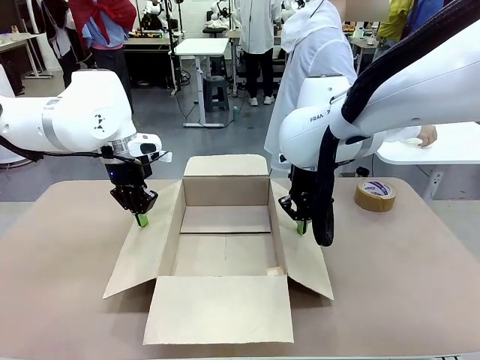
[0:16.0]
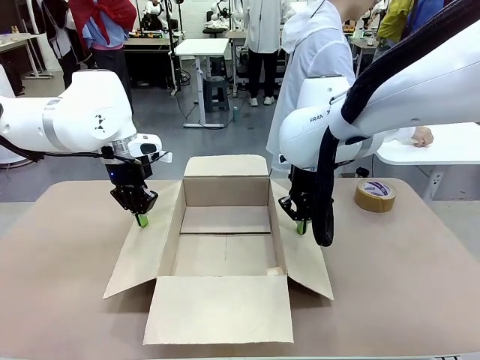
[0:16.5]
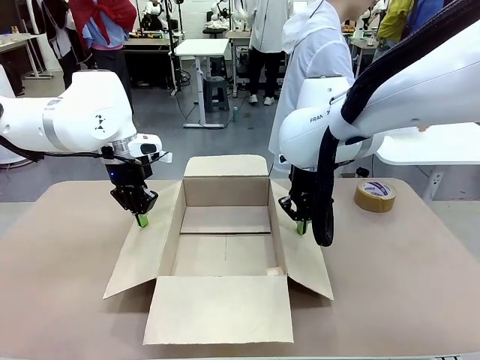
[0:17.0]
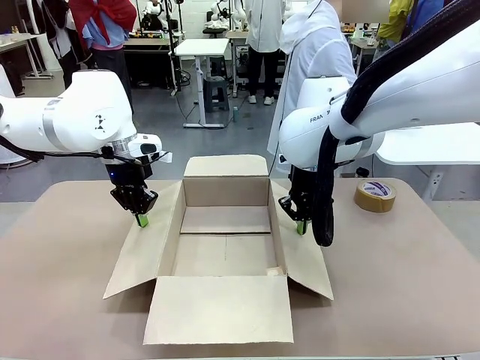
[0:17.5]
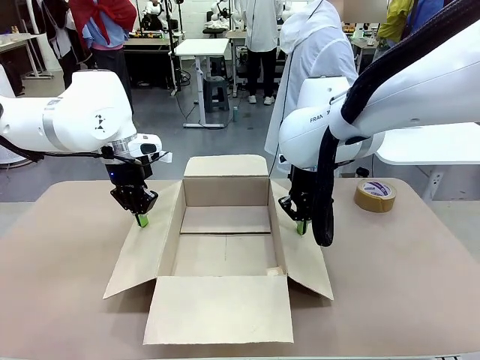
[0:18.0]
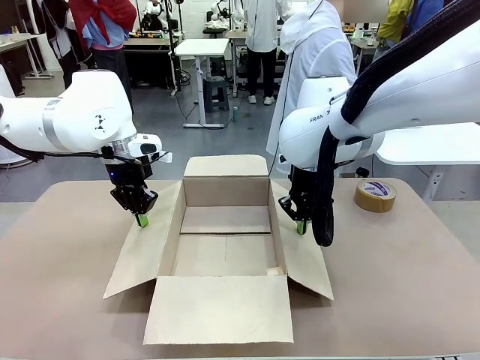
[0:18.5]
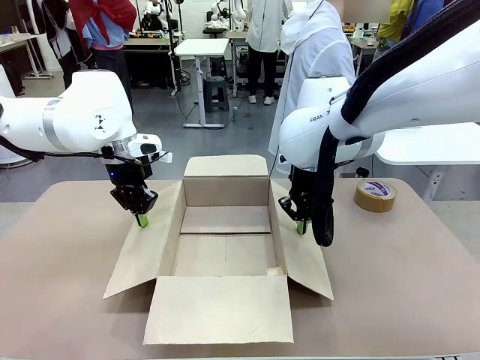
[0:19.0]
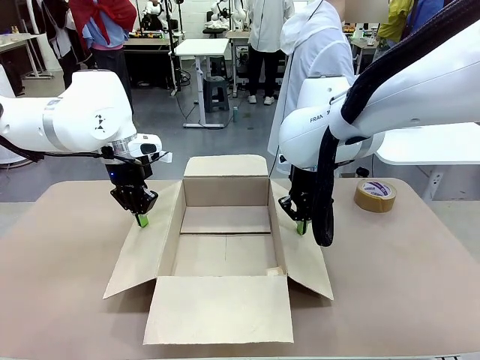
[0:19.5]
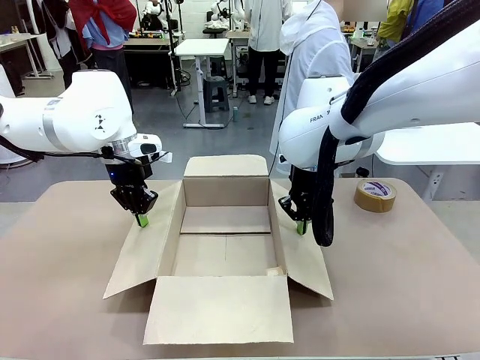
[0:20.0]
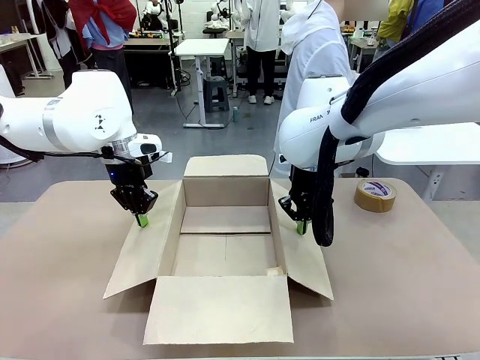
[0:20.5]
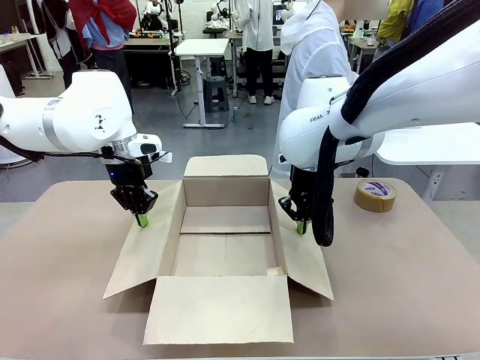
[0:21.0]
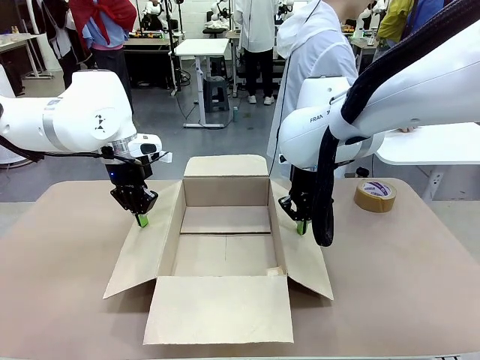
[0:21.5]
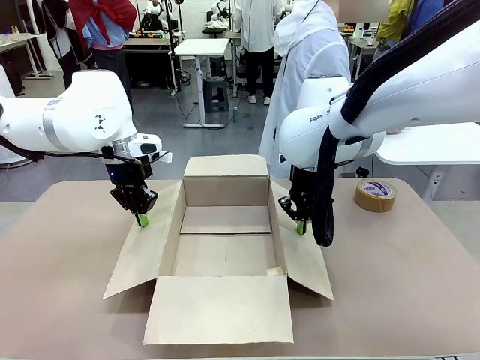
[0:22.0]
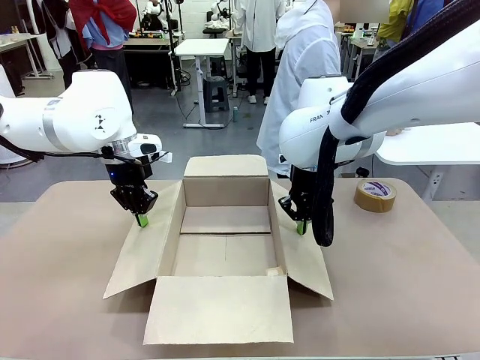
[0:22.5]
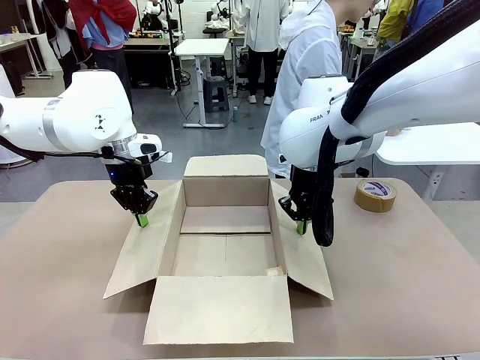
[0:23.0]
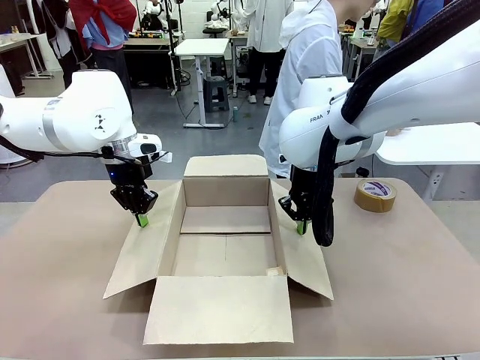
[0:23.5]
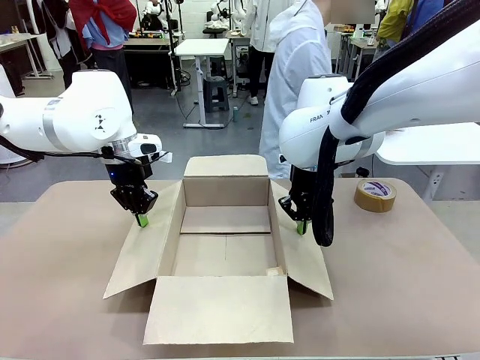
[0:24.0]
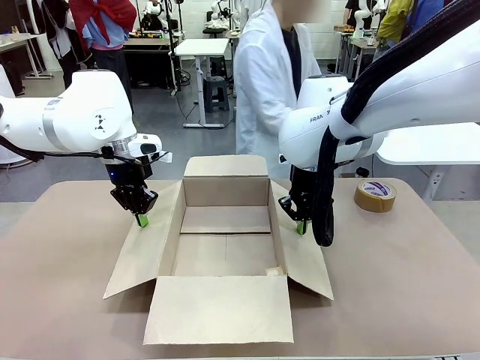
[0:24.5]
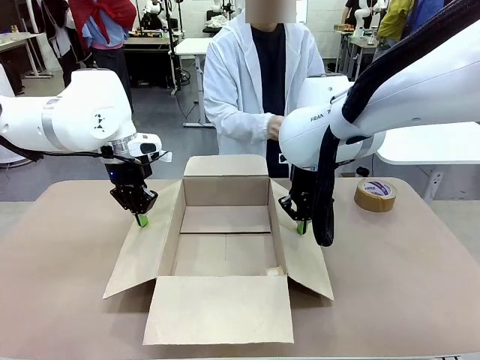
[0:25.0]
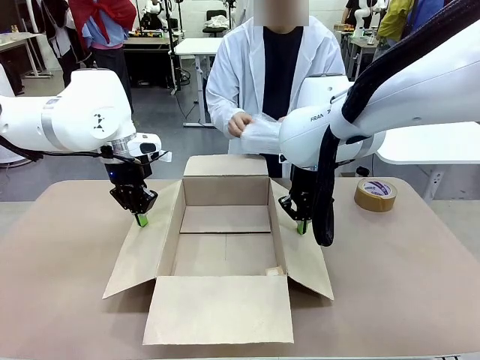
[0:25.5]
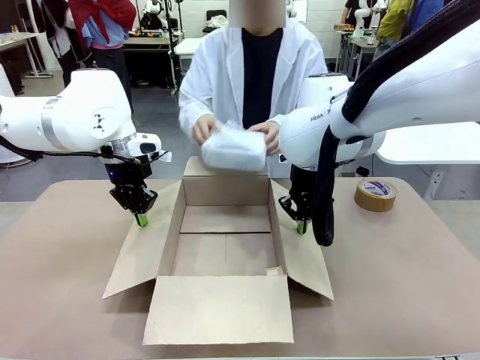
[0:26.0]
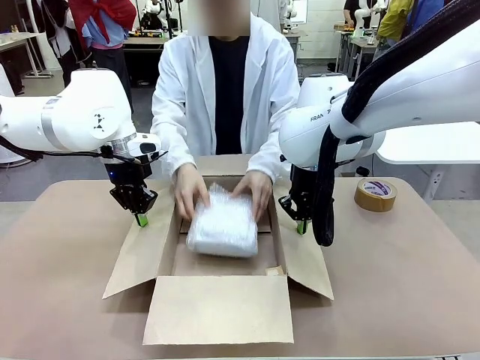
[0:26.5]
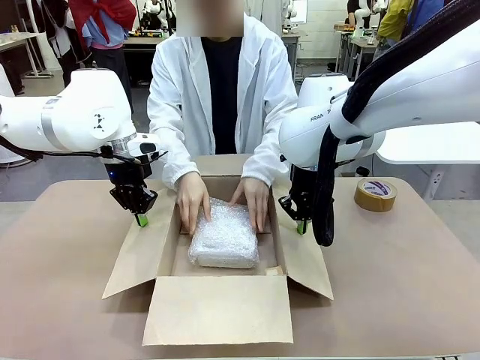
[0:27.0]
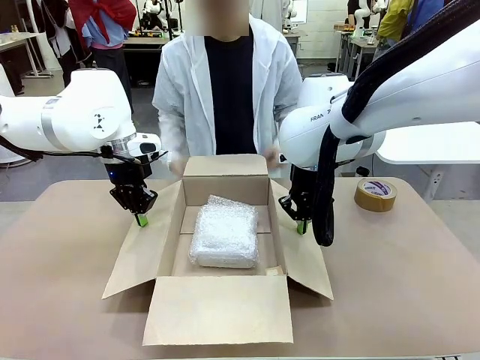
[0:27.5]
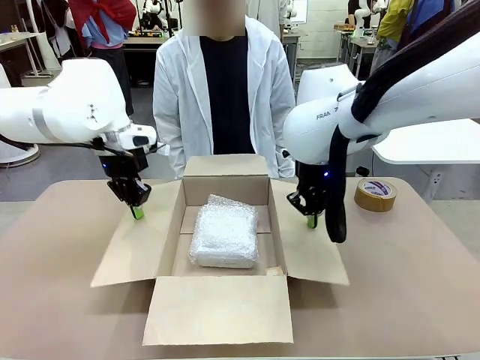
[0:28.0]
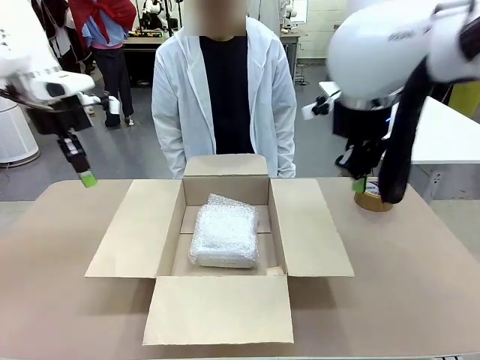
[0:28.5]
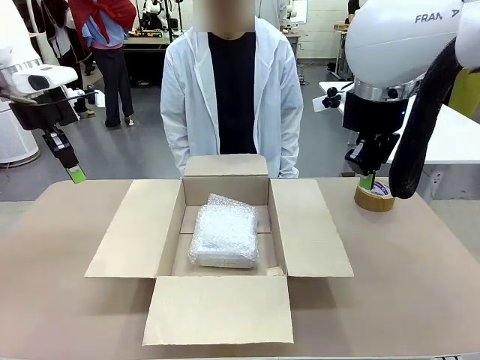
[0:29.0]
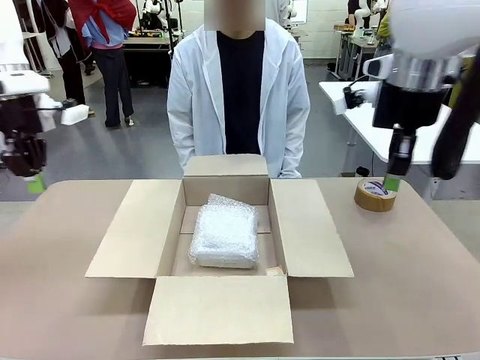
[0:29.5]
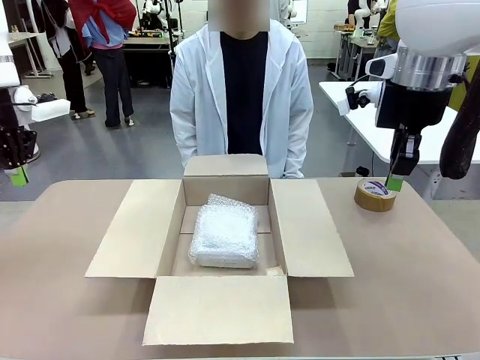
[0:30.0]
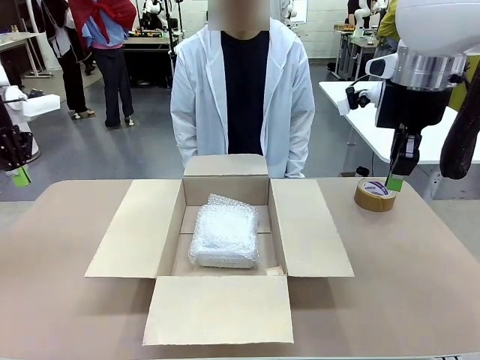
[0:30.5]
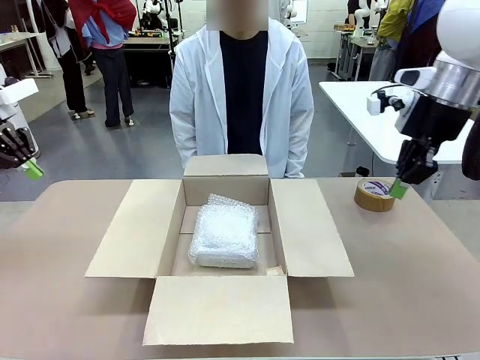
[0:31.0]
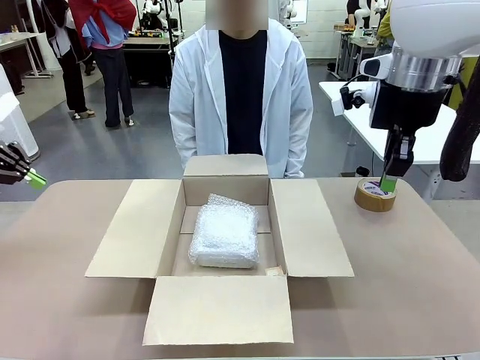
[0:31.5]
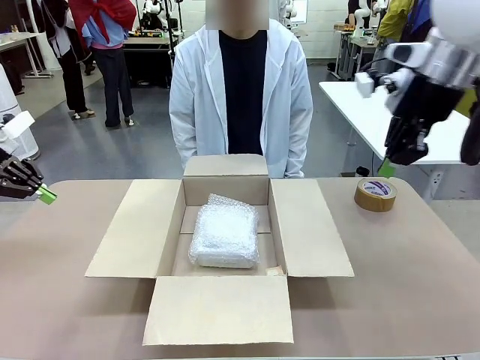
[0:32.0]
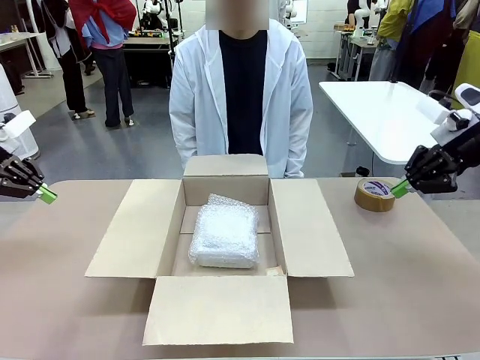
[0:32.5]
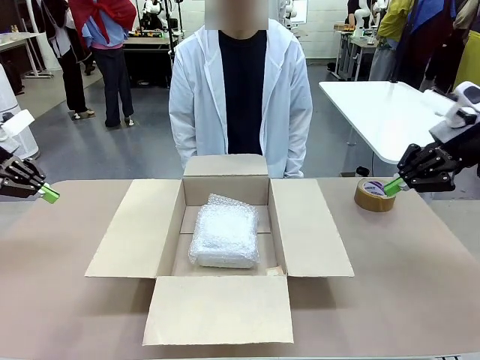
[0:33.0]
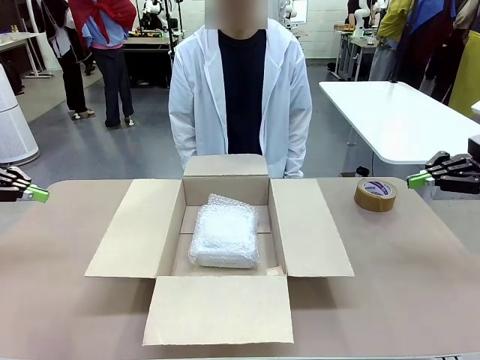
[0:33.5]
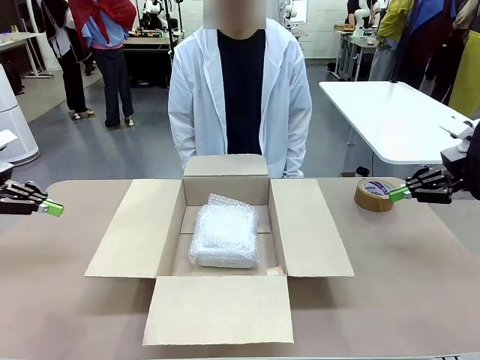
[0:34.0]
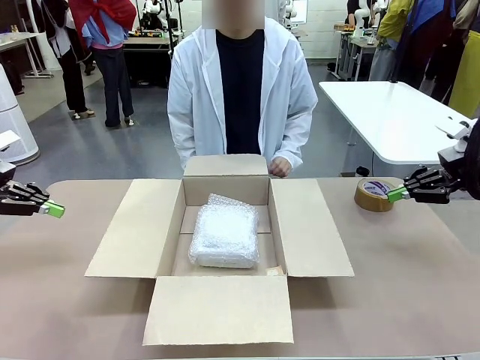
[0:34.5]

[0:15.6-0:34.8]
Task: Wrap the clocks to prevent damage.
Robot: Once the human has placed the objects inside and stepped back, release both hands from the side flaps of the Package Box.
Person: Place the wrapped Digital clocks inside the Package Box. Hold the top and bottom flaps of the Package Box closed with your left (or right) hand.

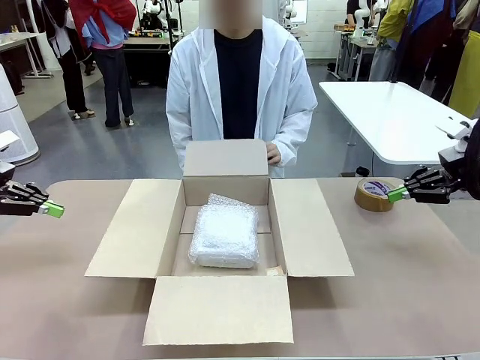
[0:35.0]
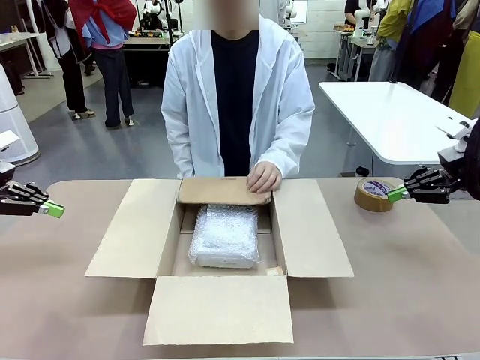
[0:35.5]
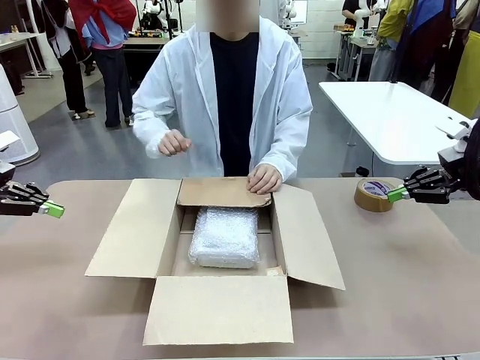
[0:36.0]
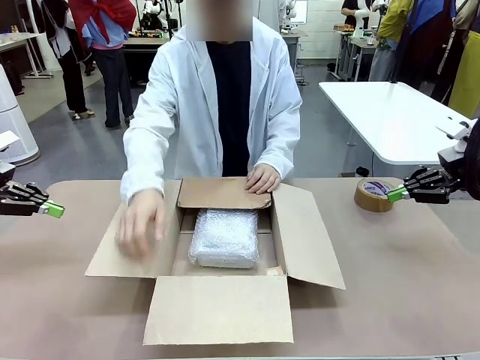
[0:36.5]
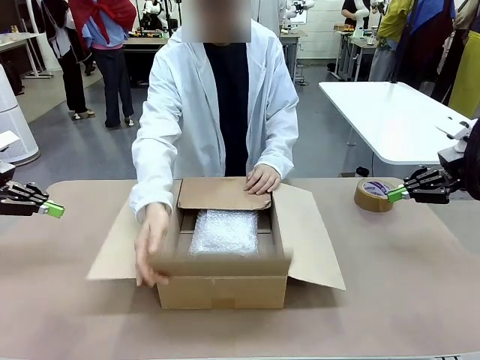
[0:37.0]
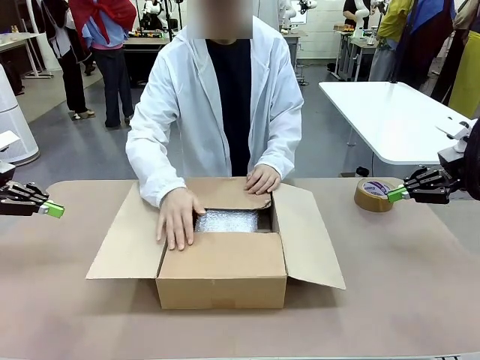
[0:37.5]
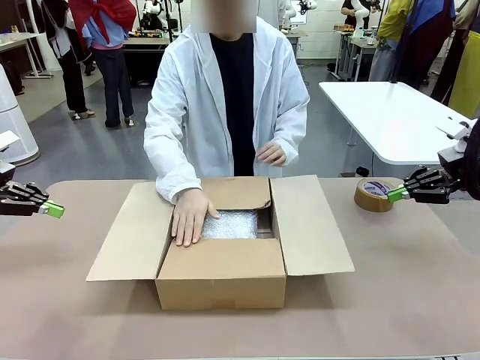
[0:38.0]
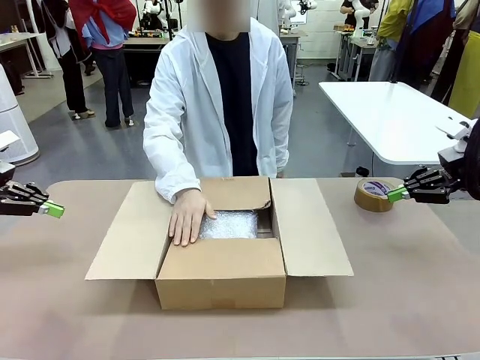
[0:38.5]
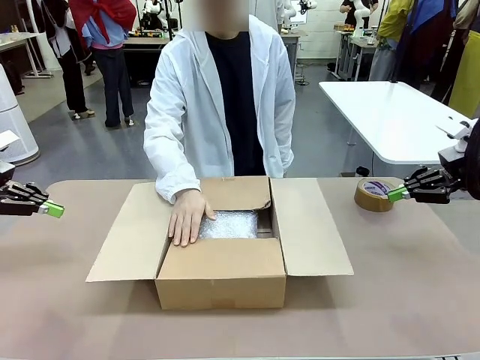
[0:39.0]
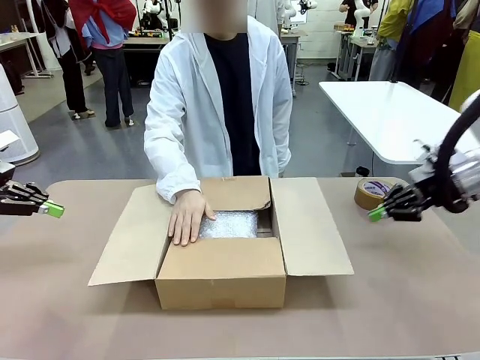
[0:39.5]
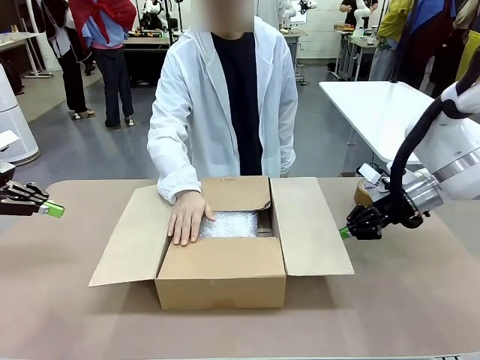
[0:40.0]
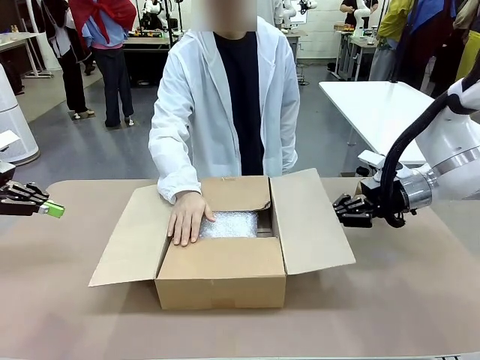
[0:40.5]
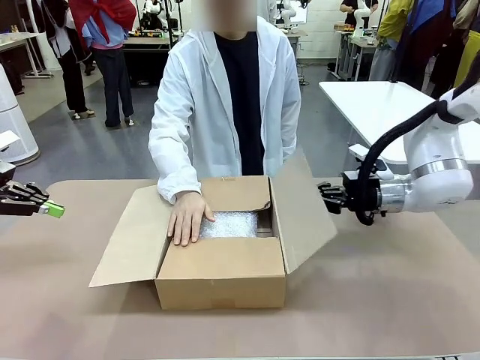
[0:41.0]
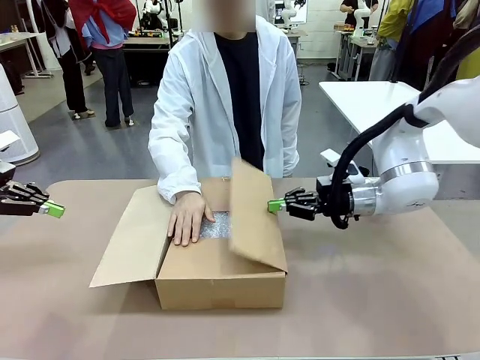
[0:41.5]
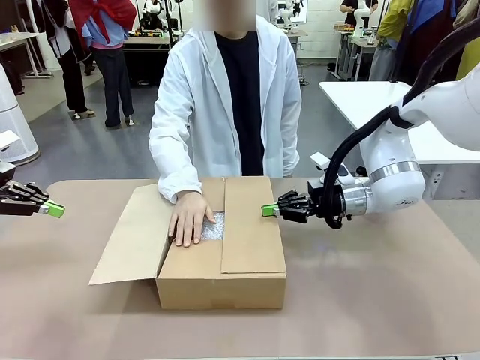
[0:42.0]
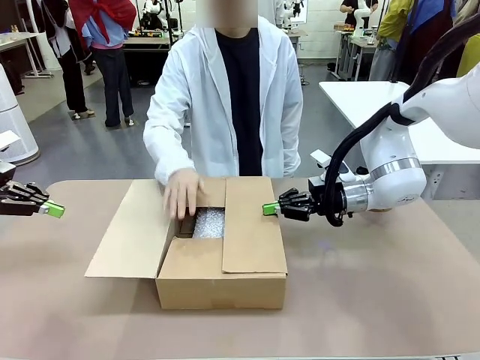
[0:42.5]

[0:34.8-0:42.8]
Robot: Push the right (or left) flap of the Package Box to close it.
Person: Once the robot closes the right flap of the Package Box , release your left hand from the box.
